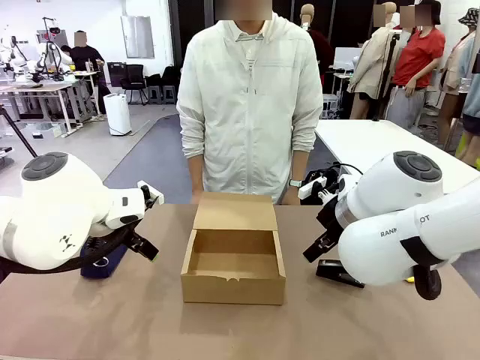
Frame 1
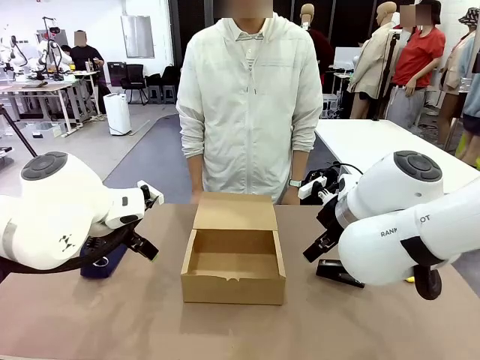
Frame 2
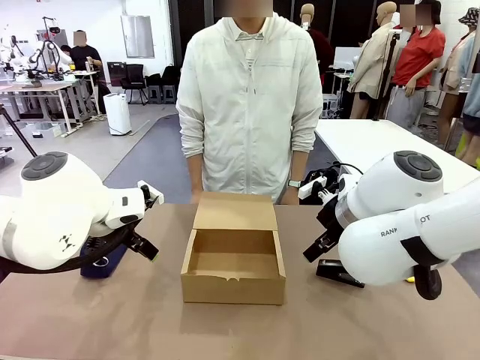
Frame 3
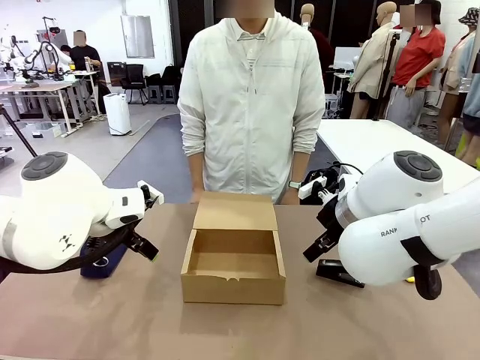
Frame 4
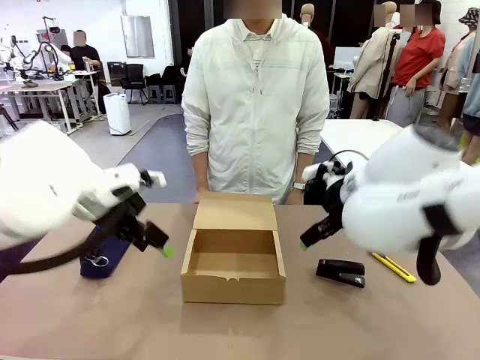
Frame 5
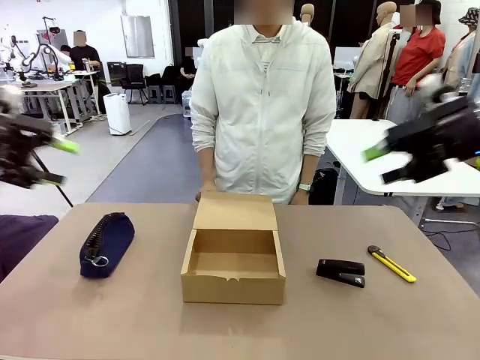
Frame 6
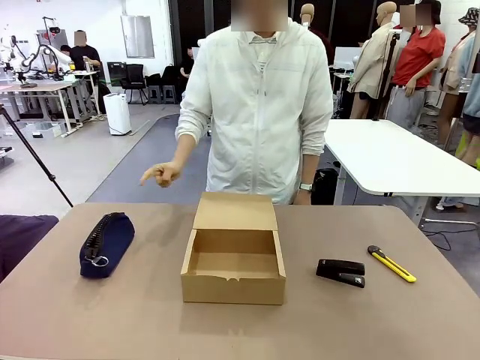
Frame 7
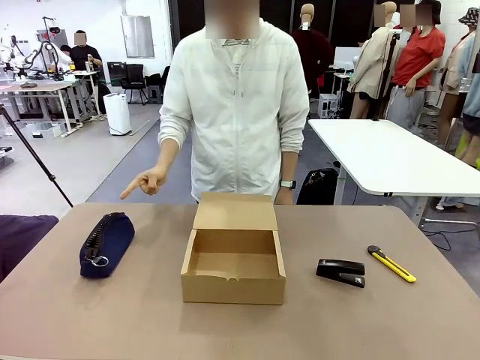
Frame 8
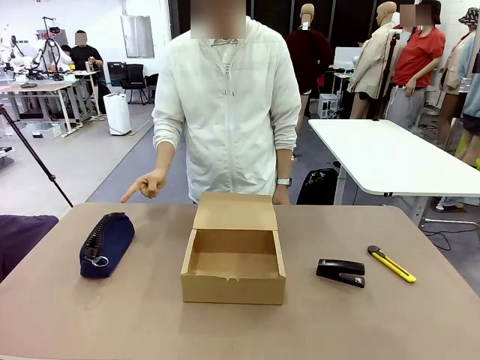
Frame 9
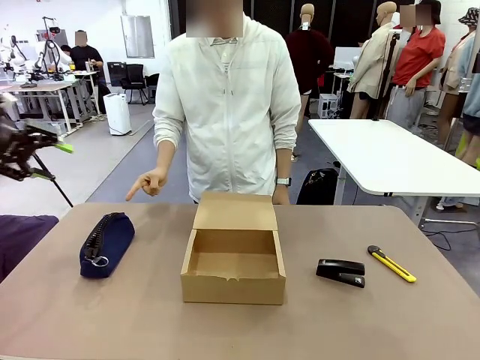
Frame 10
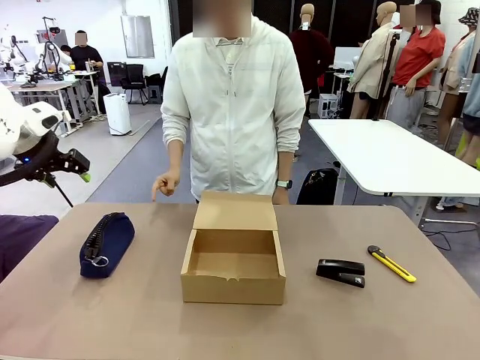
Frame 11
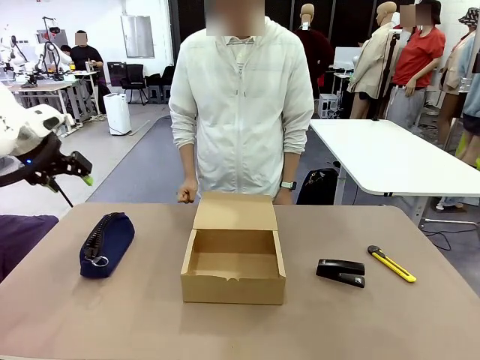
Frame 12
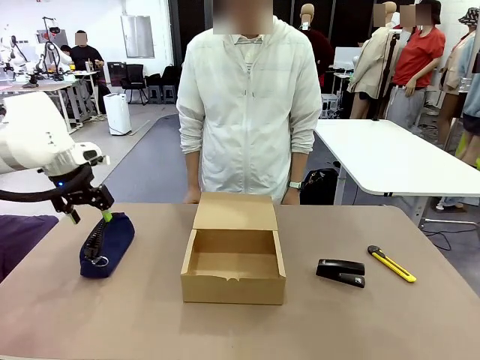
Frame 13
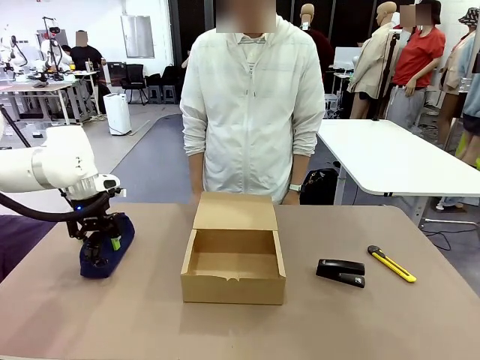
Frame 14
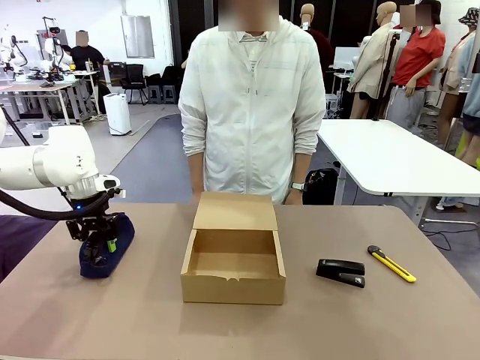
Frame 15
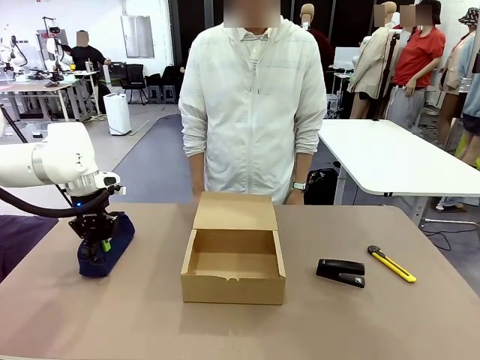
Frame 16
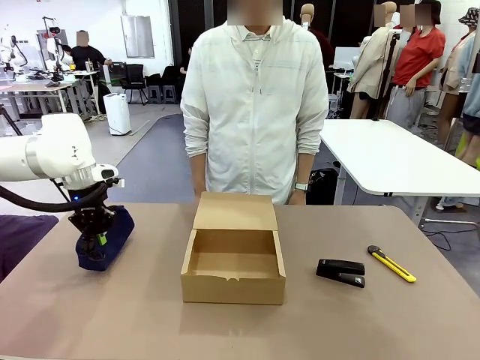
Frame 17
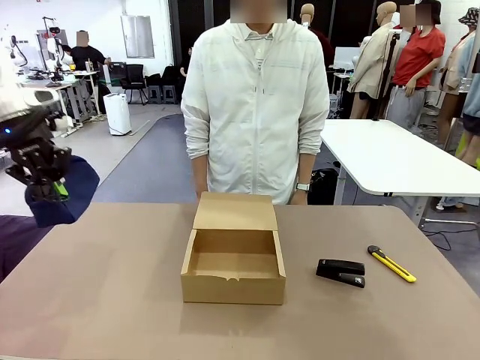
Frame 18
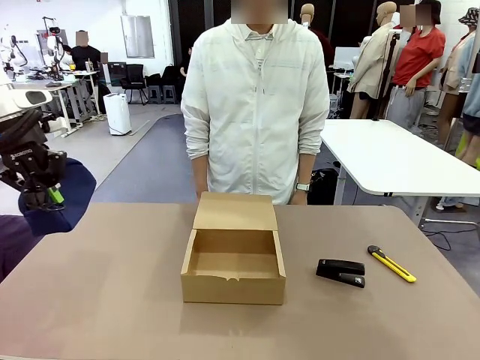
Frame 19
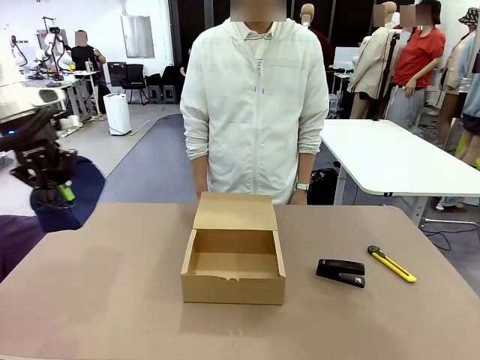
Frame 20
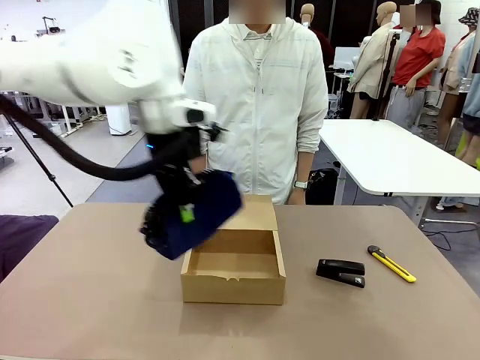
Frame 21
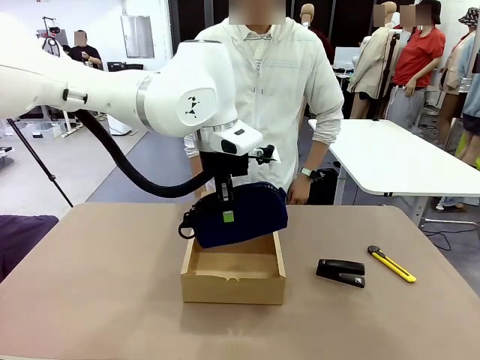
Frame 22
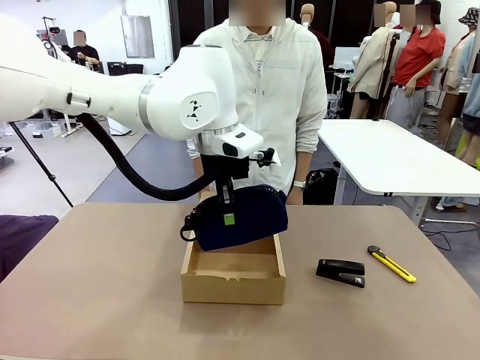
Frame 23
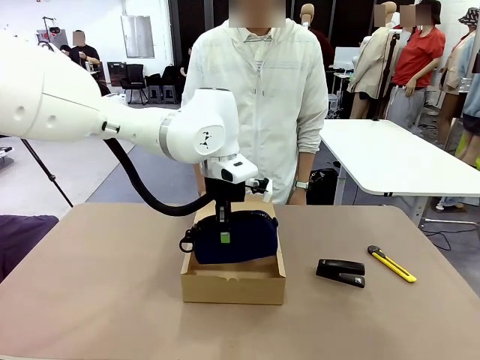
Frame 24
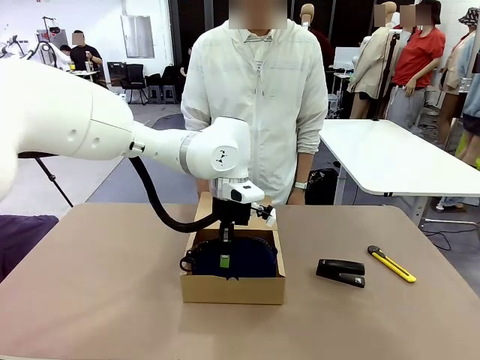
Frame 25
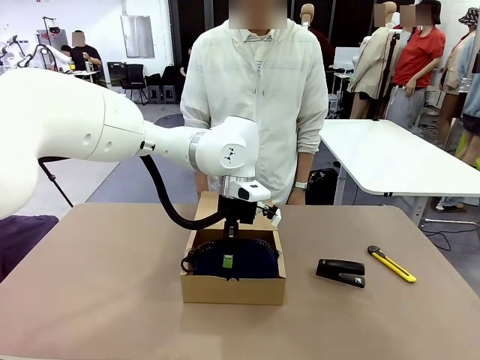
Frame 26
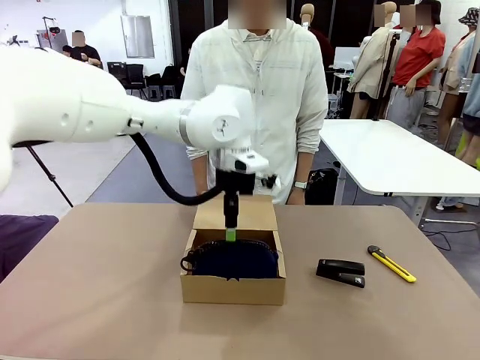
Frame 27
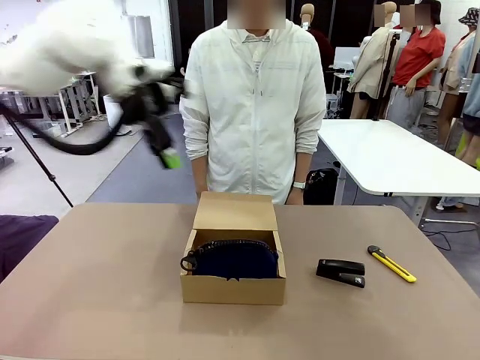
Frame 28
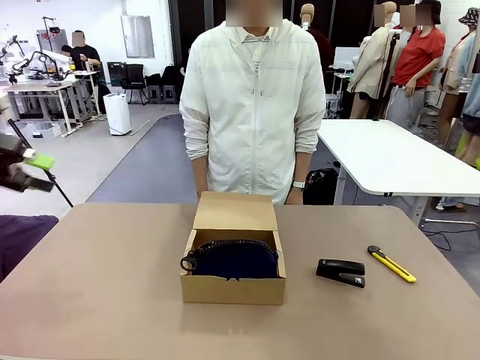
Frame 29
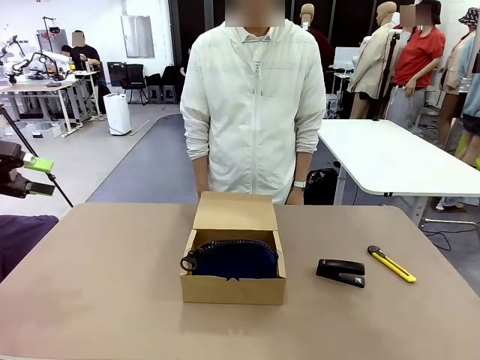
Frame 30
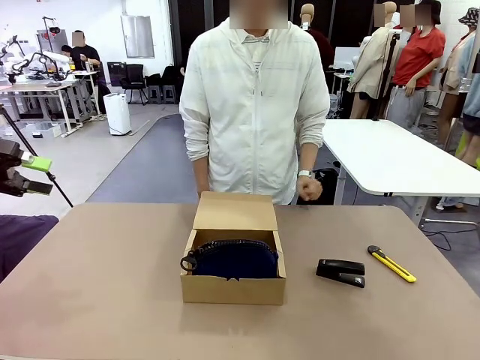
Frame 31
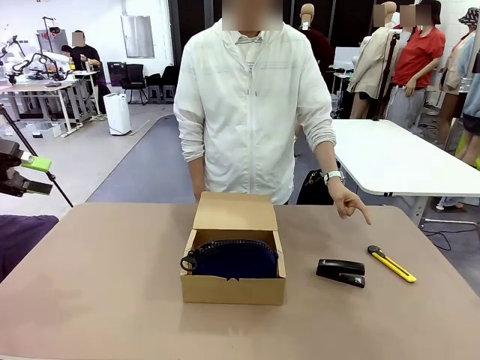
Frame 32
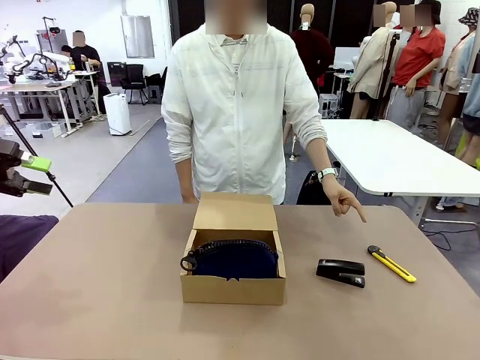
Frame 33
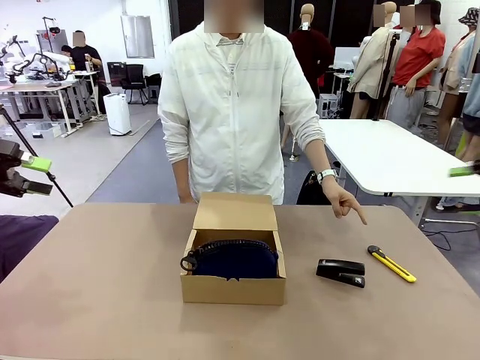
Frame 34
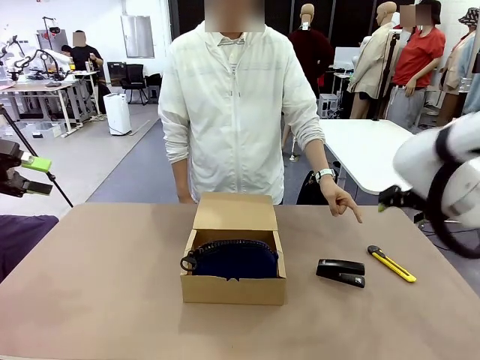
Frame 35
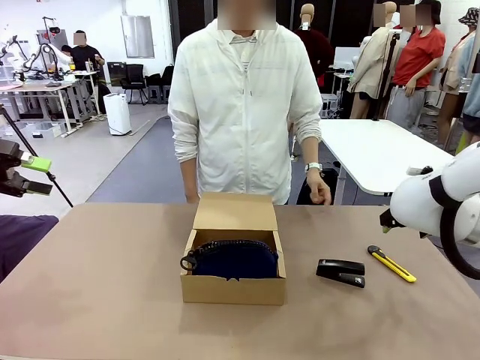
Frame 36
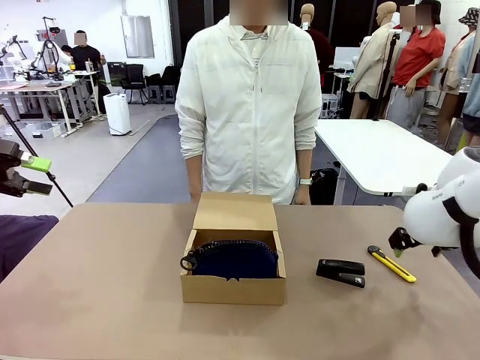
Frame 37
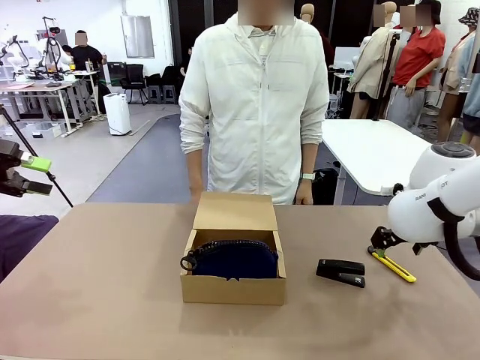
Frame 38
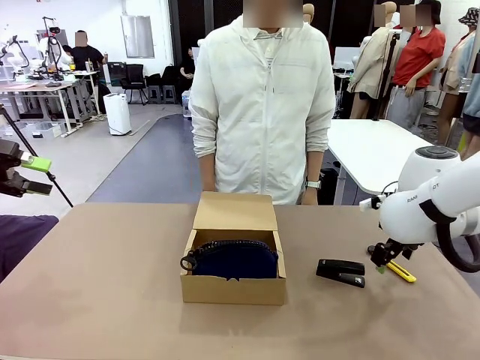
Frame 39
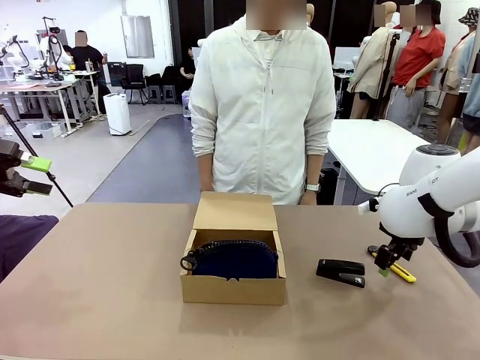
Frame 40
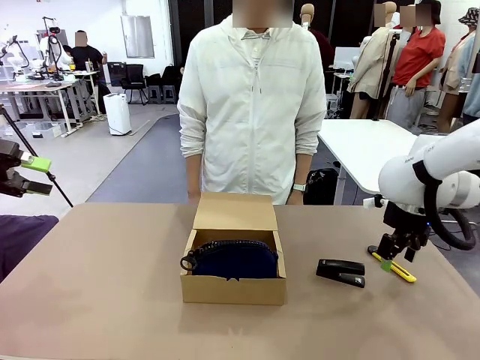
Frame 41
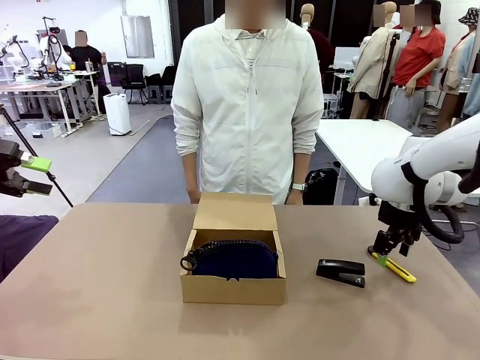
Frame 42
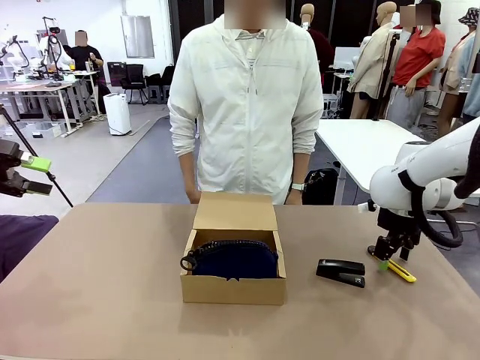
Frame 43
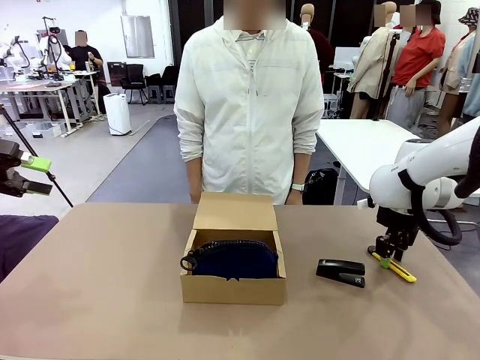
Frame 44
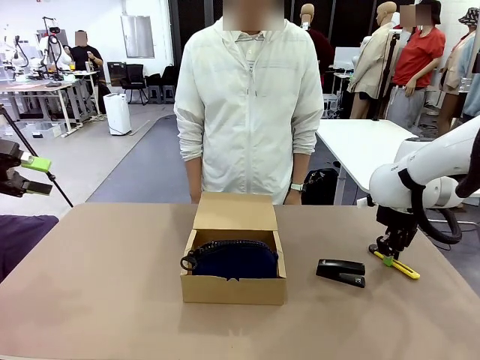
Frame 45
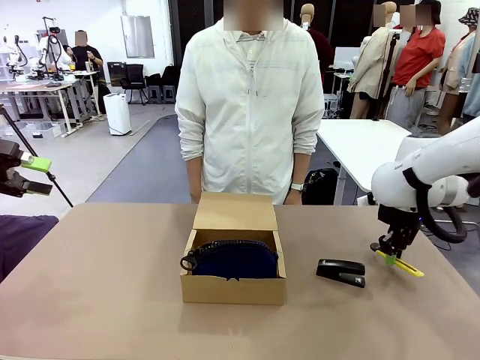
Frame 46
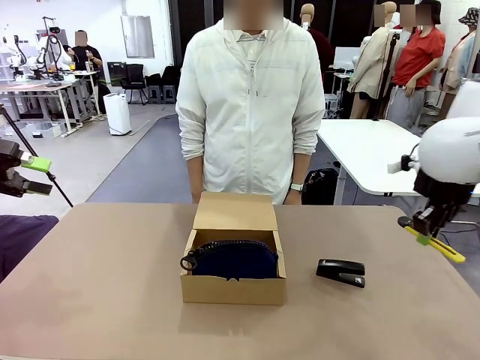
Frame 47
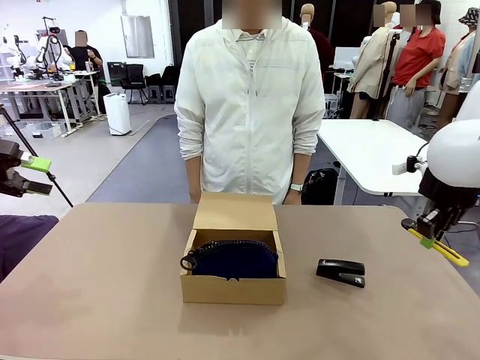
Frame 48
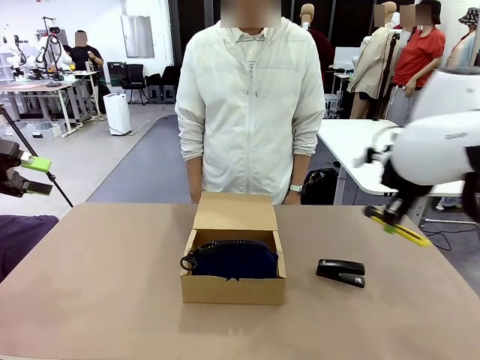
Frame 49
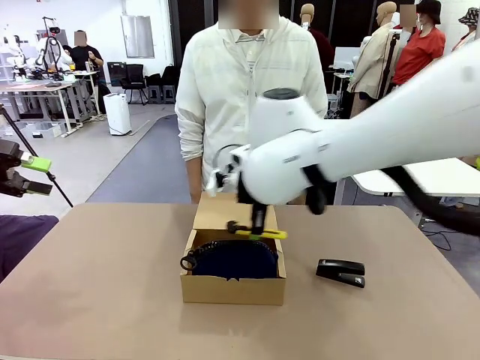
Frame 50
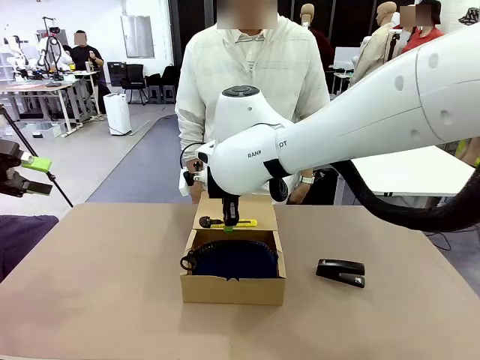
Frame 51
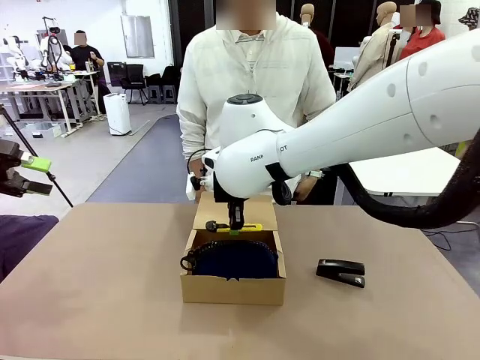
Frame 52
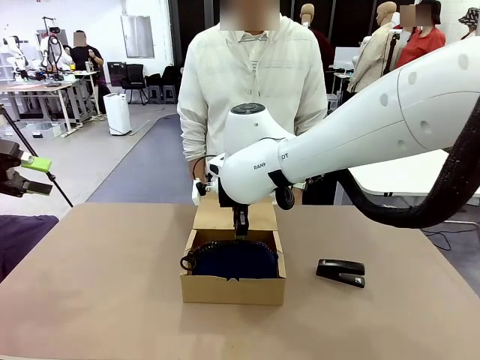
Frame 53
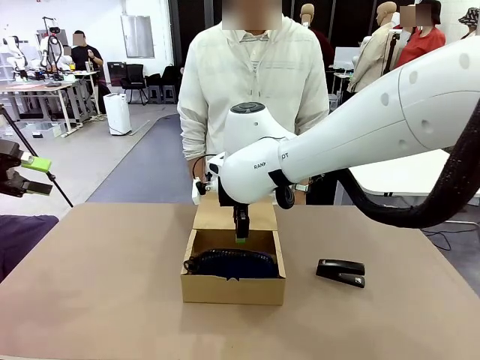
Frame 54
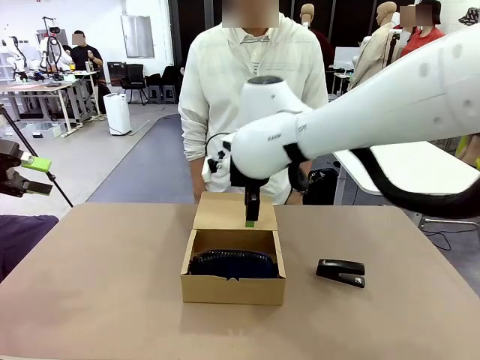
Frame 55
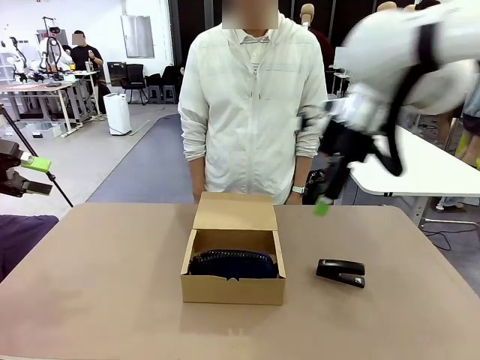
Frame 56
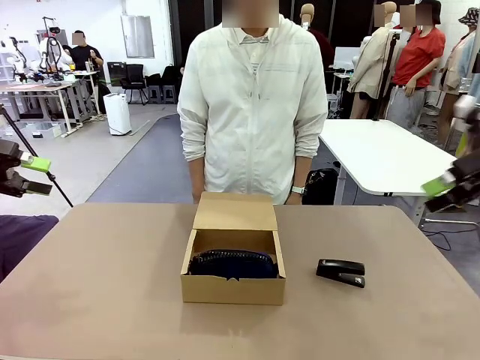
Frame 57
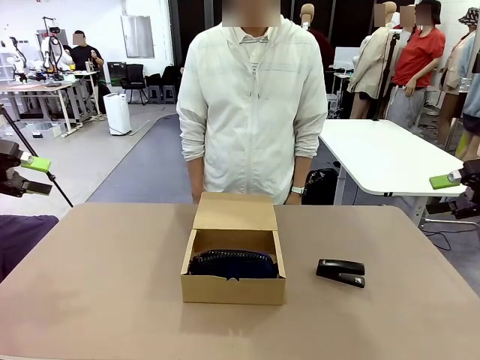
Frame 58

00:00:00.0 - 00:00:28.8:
Task: Pack the items into the box.
Robot: Pick up the item specified by the human and place it in the Mailer Box.
Person: Point at one item on the table (excluding the box). Lower both hands vertically with palms facing downward, as if pressing something closed.
